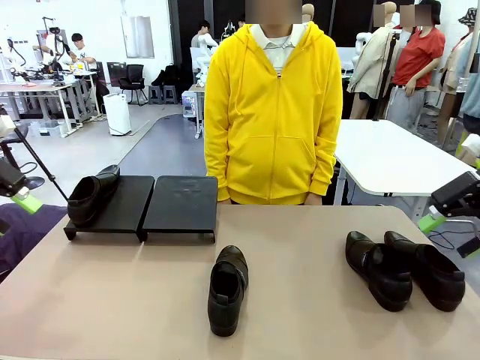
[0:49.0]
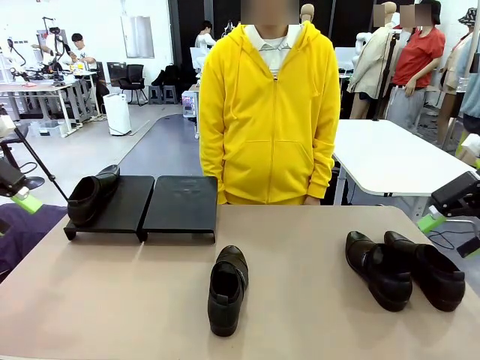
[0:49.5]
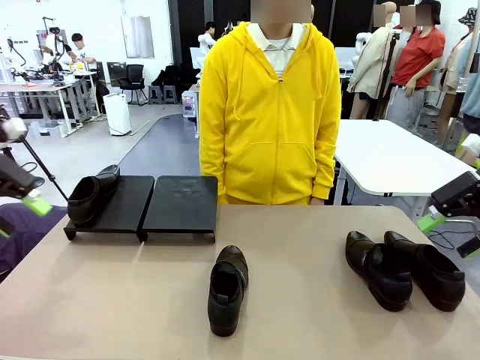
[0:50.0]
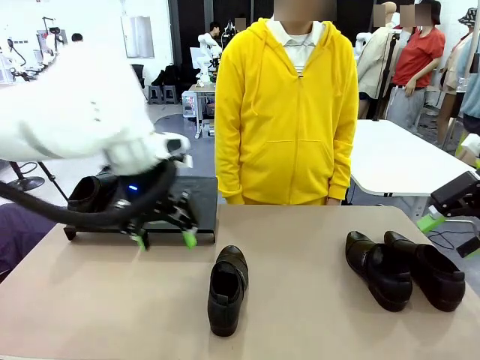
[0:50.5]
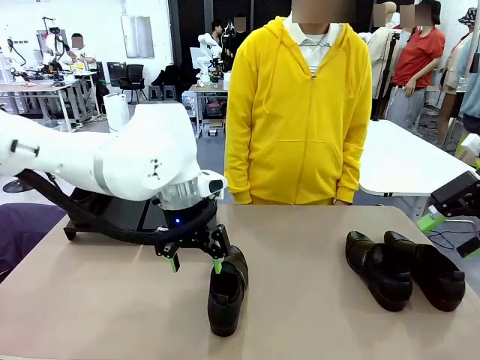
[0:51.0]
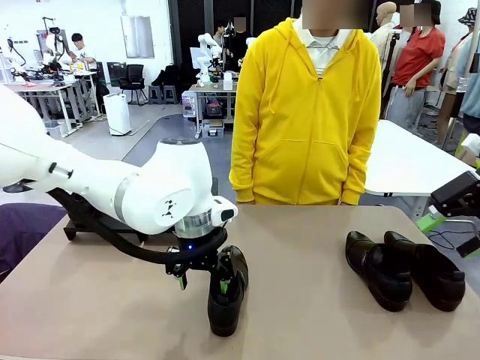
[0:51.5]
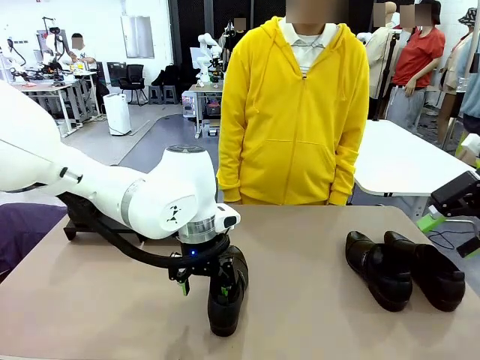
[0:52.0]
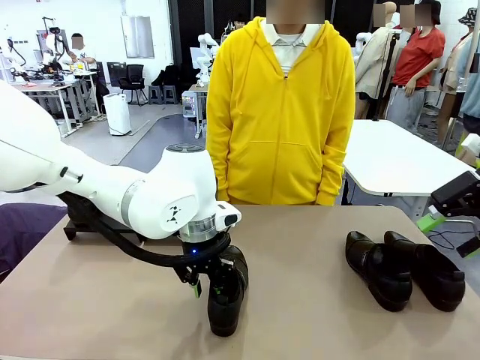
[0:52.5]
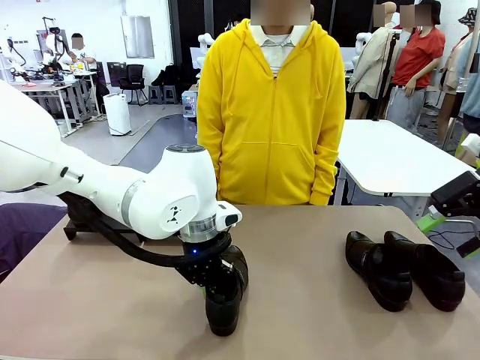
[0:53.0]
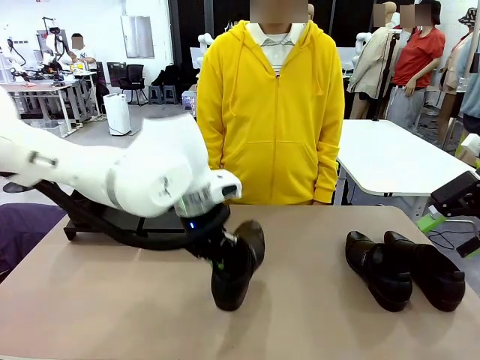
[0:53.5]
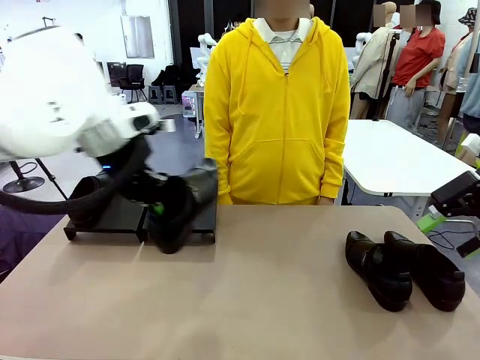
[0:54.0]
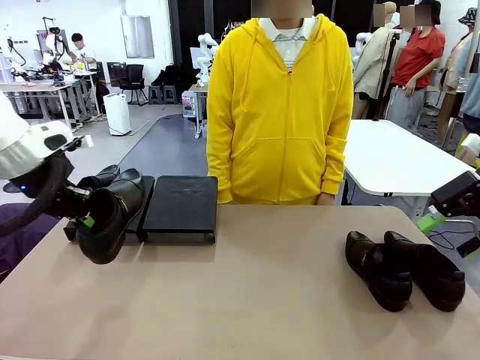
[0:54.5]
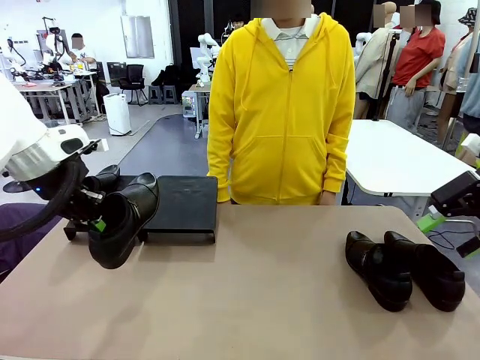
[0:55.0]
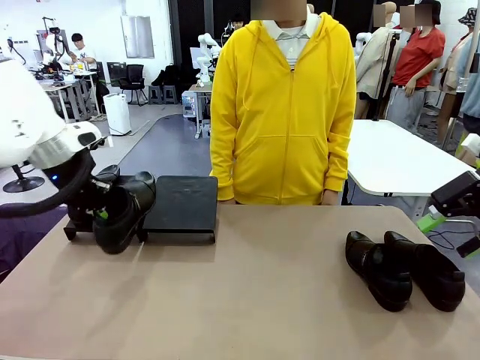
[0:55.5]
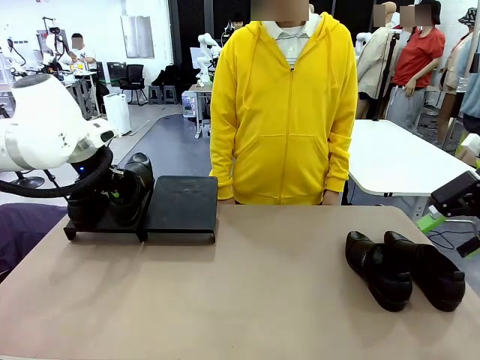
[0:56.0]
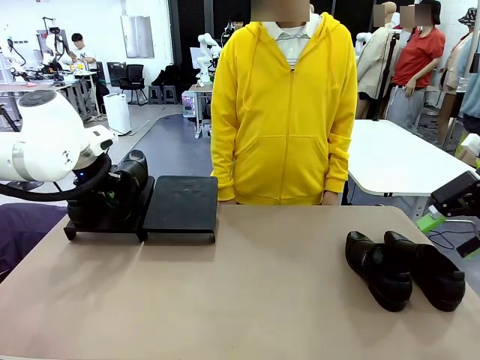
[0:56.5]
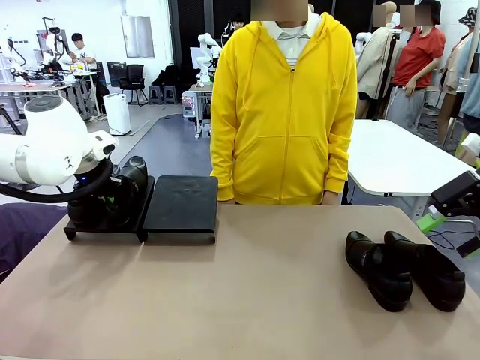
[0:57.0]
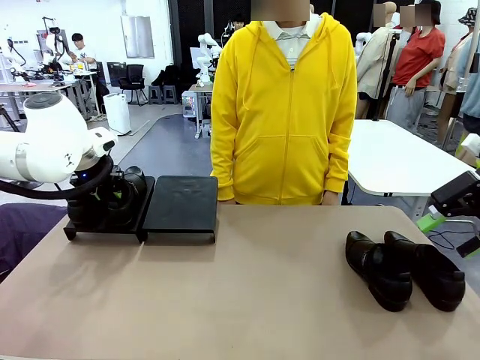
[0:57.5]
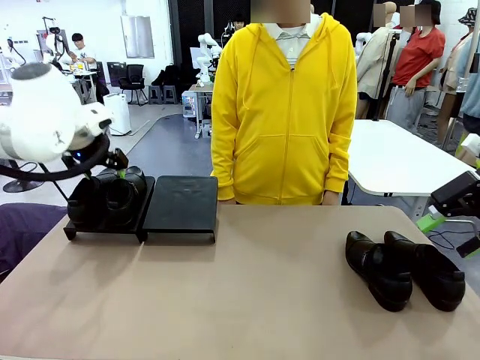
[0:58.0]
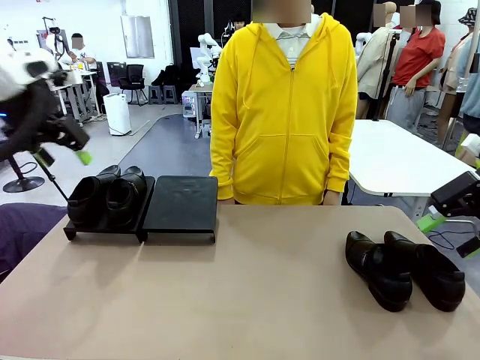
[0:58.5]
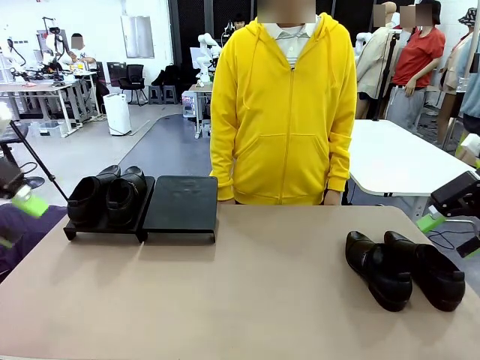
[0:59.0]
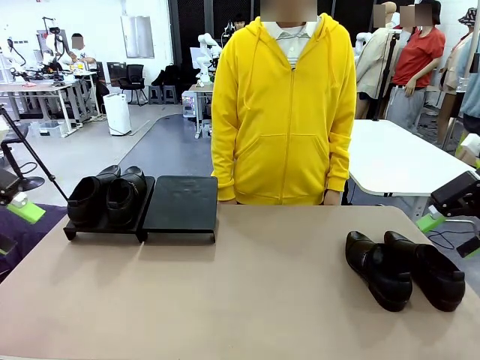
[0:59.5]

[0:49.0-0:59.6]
Task: Organize the shoes by placing them on the stand.
Robot: Place the Shoe from the middle of the table onto the Shoes Stand.

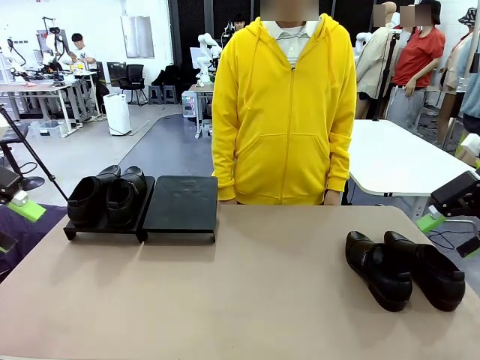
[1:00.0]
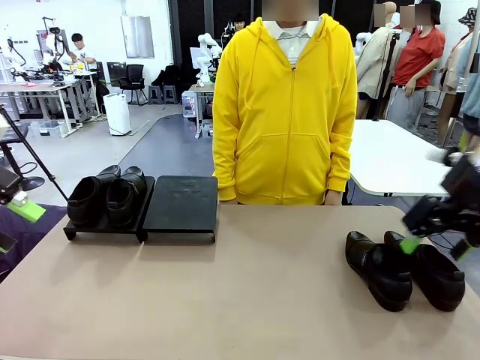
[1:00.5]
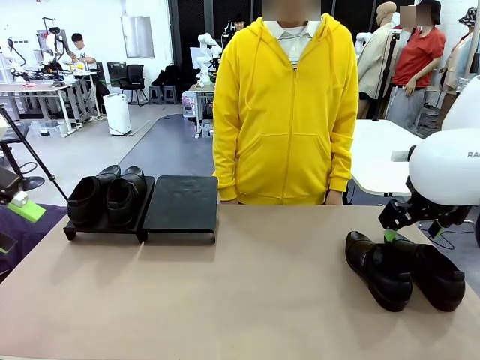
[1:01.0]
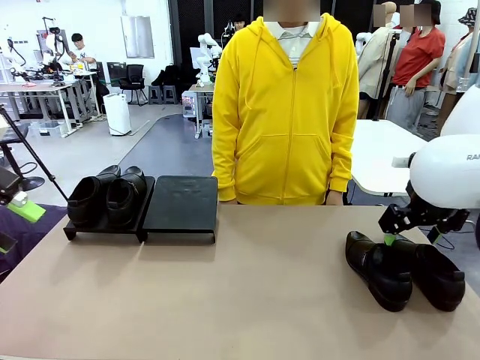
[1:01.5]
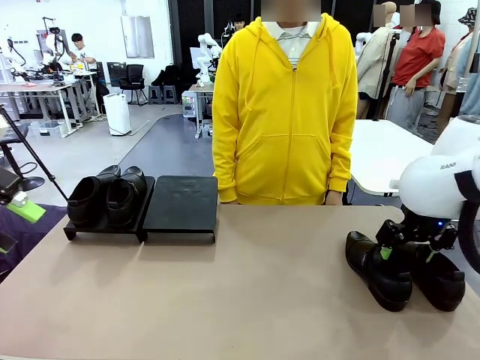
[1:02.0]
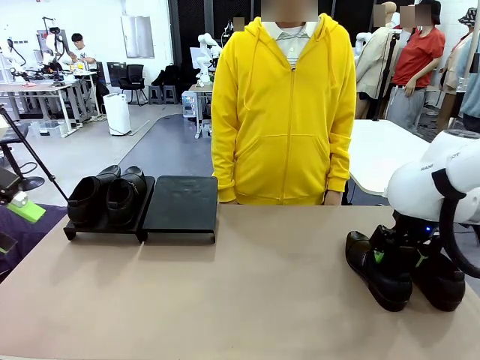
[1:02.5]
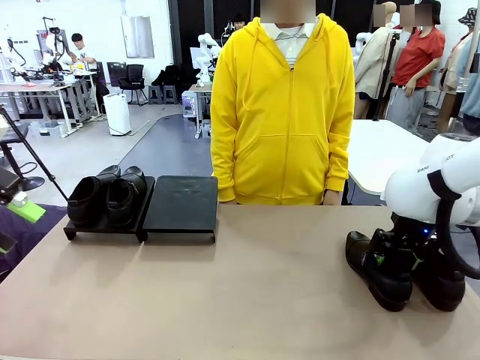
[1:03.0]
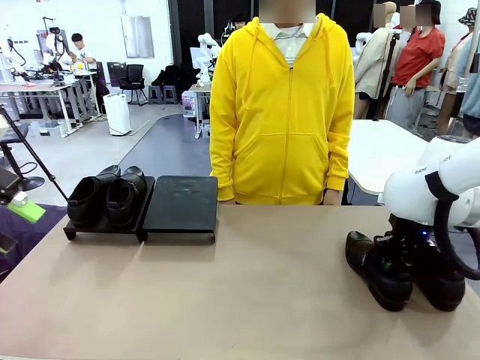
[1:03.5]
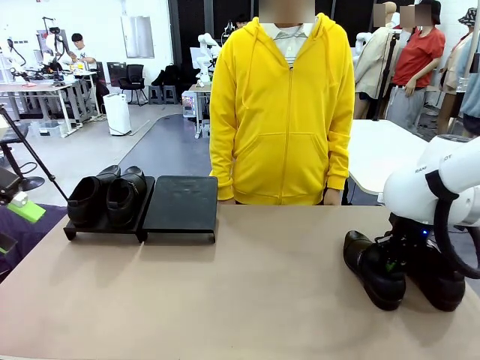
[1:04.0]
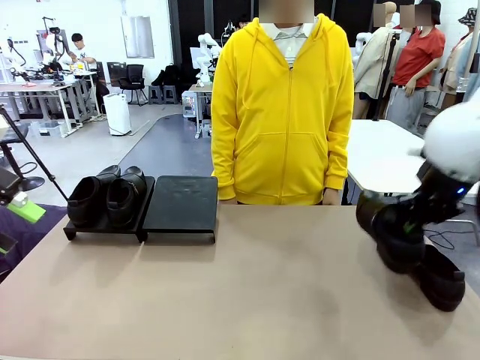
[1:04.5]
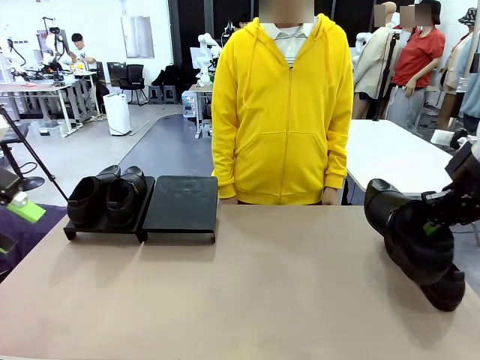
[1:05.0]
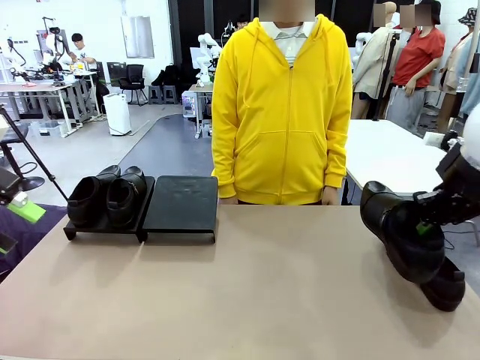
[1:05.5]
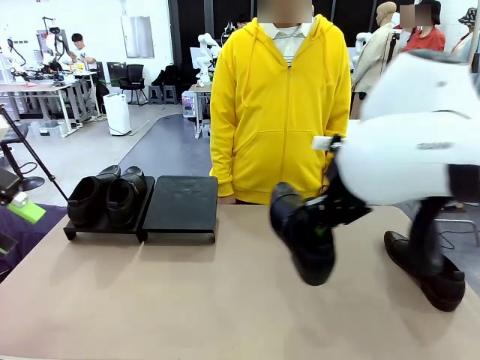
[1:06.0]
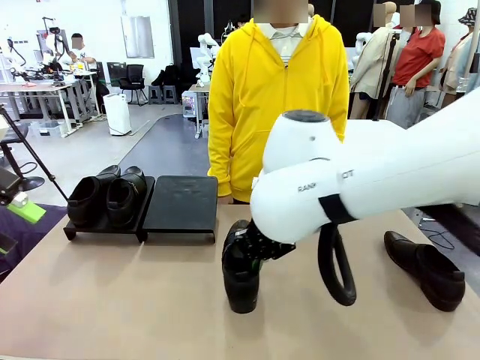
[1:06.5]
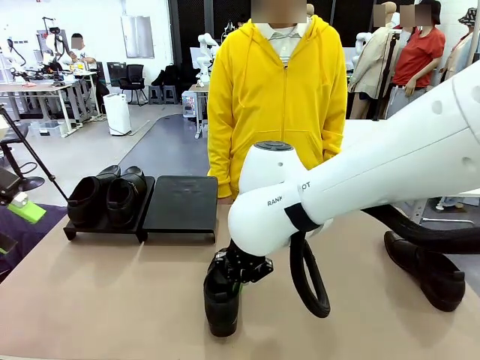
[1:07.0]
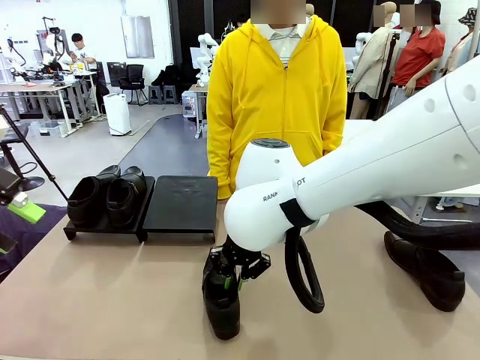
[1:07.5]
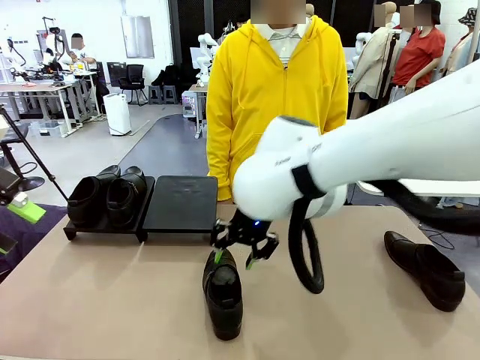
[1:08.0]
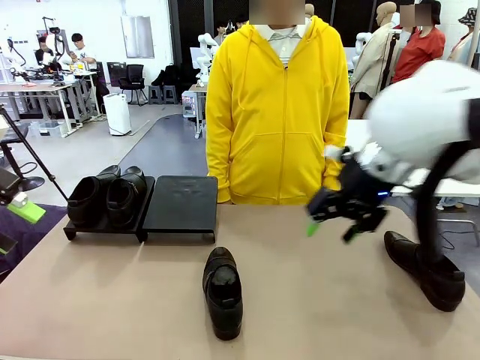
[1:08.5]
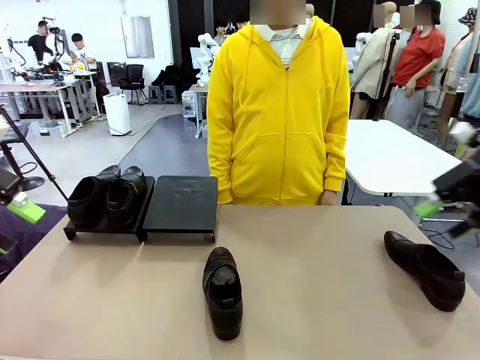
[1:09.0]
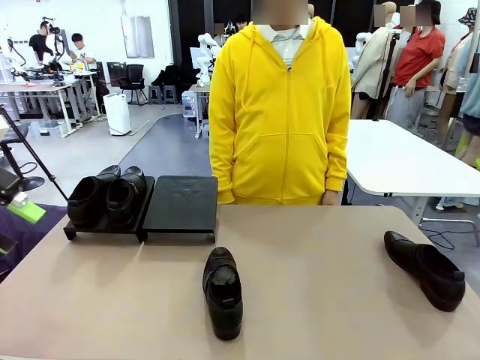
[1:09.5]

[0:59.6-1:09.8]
Robot: Pick up one Shoe and place it in the middle of the table.
